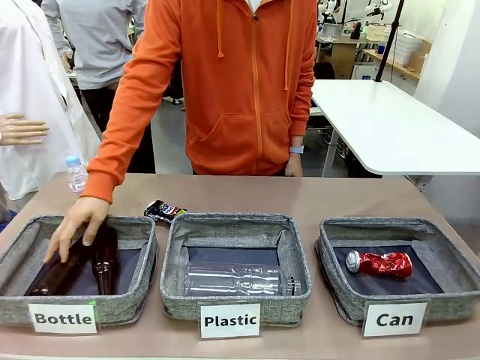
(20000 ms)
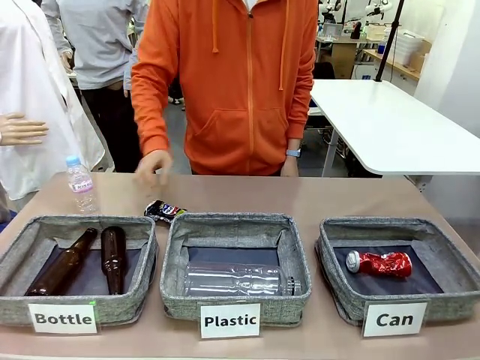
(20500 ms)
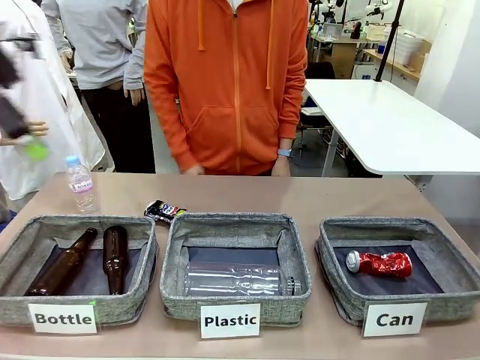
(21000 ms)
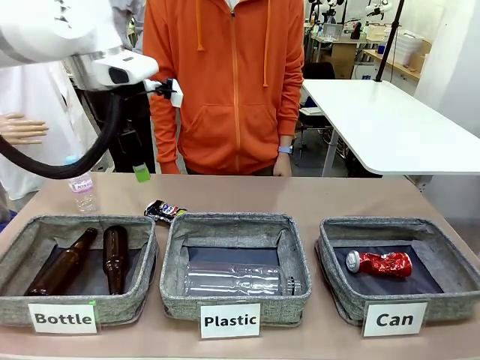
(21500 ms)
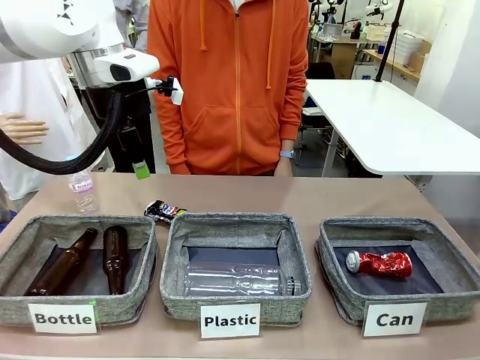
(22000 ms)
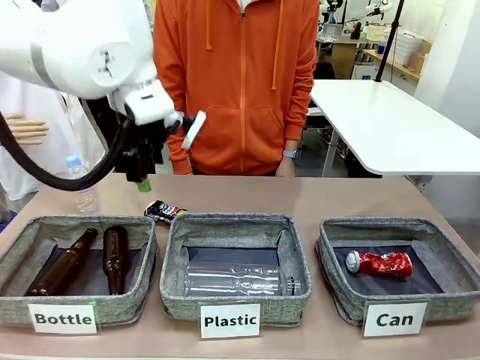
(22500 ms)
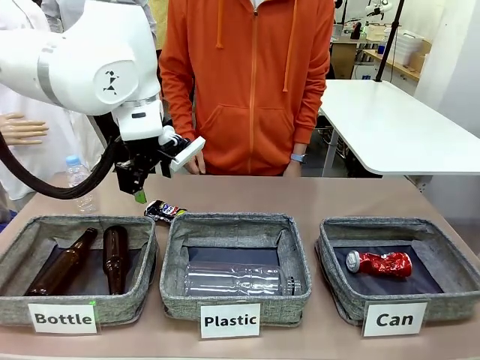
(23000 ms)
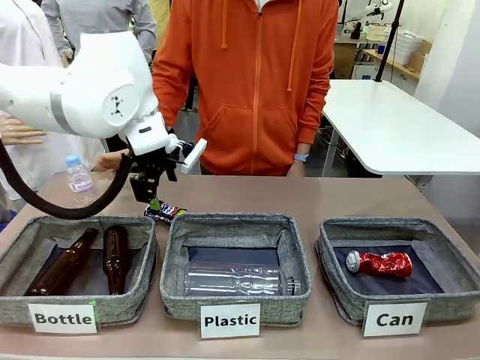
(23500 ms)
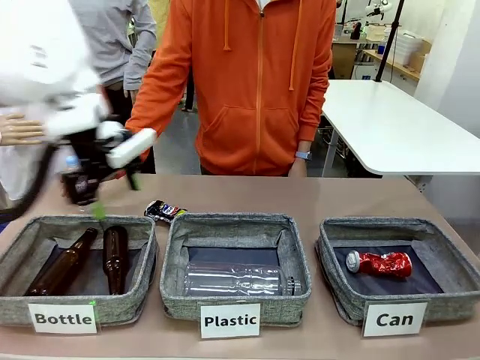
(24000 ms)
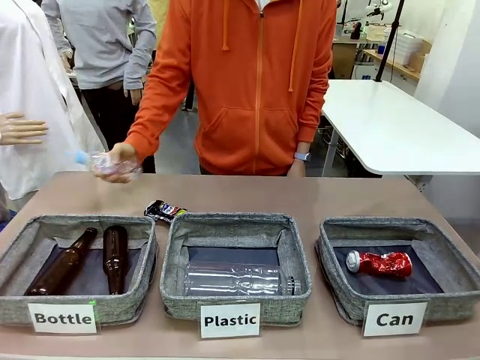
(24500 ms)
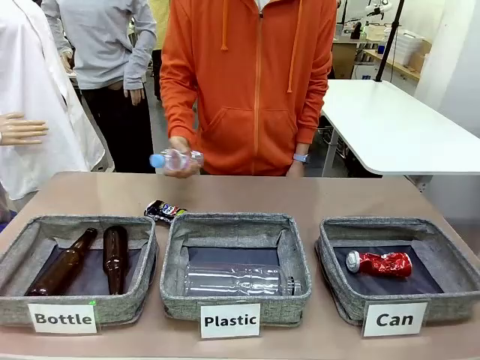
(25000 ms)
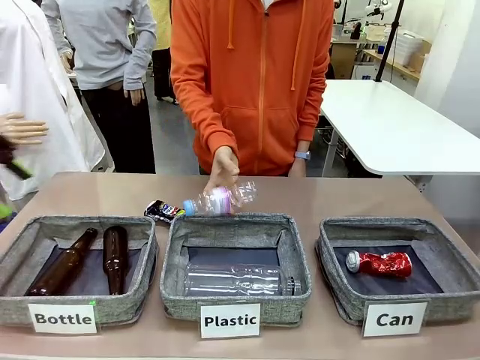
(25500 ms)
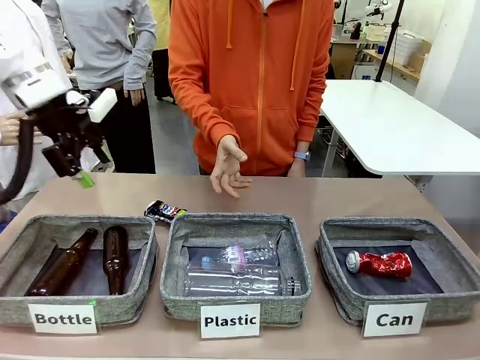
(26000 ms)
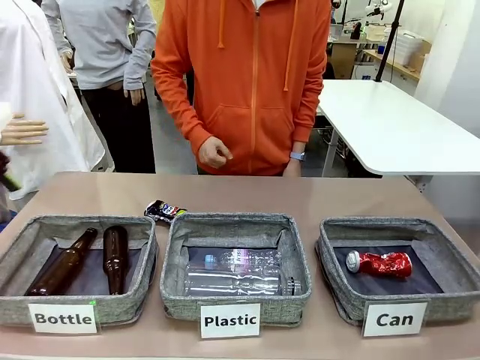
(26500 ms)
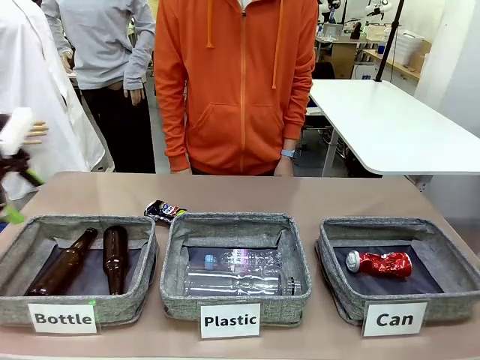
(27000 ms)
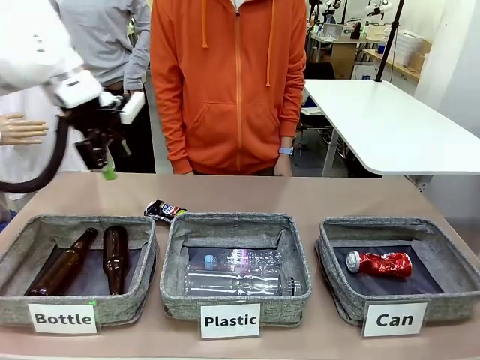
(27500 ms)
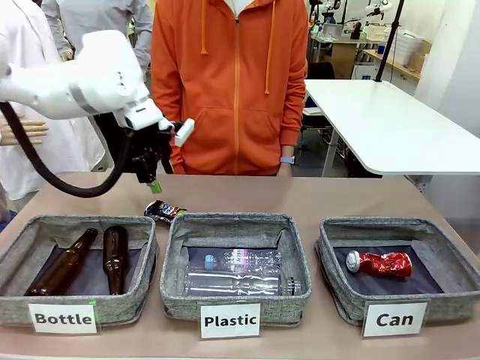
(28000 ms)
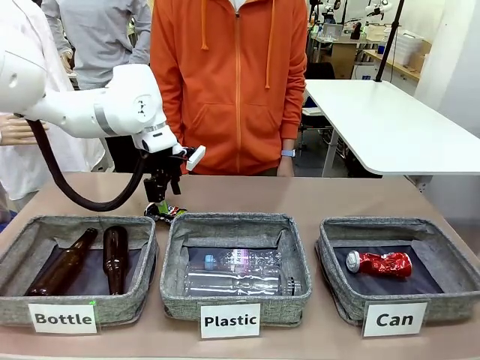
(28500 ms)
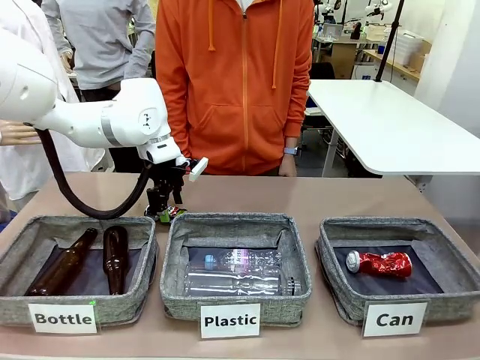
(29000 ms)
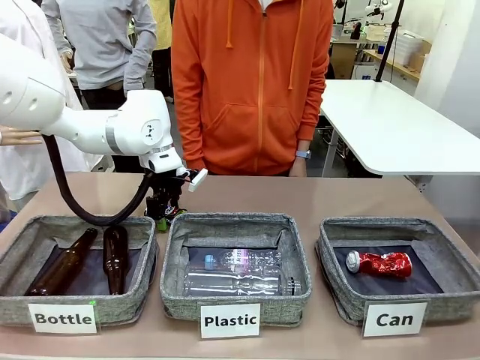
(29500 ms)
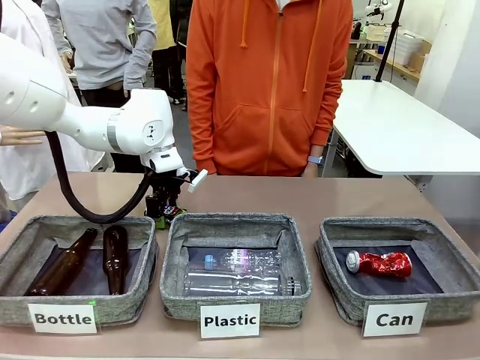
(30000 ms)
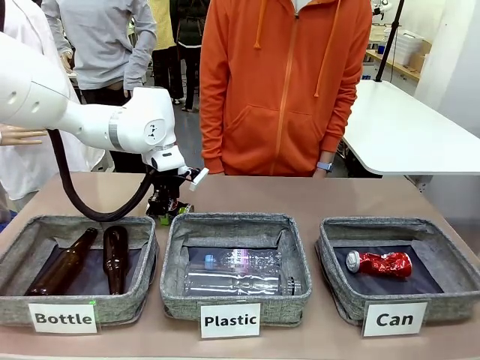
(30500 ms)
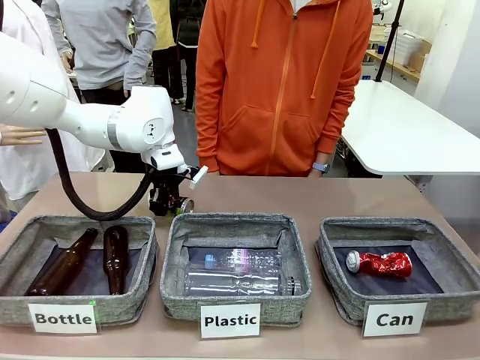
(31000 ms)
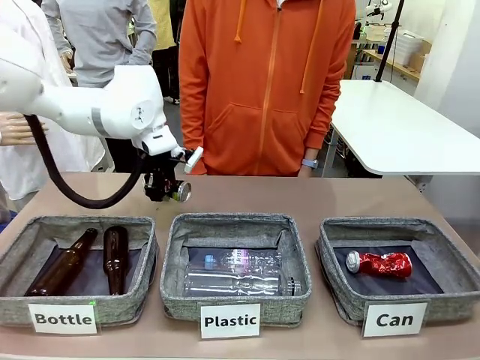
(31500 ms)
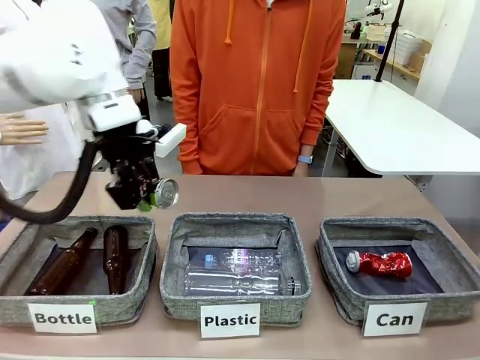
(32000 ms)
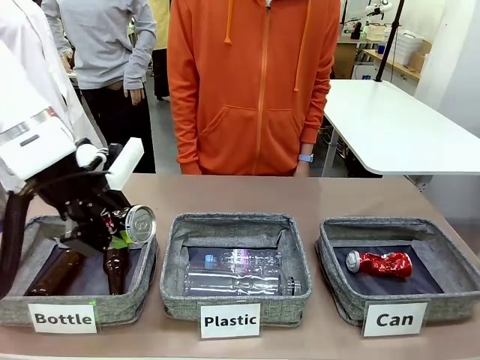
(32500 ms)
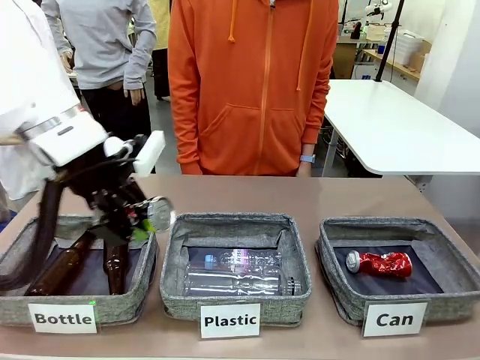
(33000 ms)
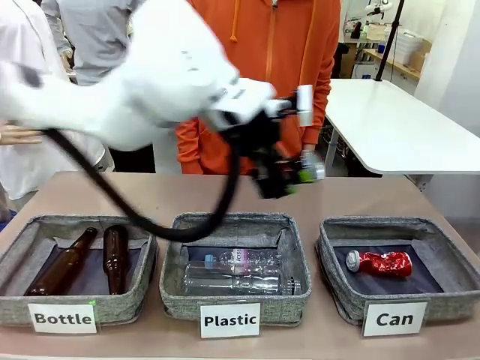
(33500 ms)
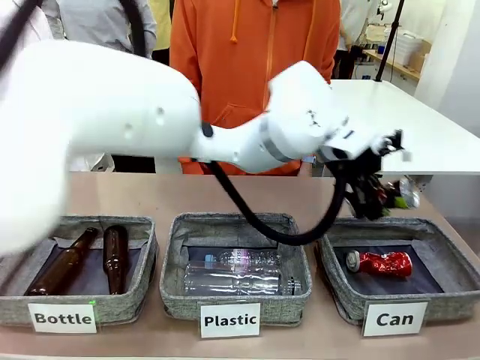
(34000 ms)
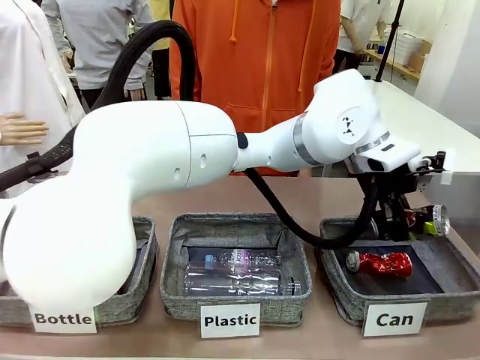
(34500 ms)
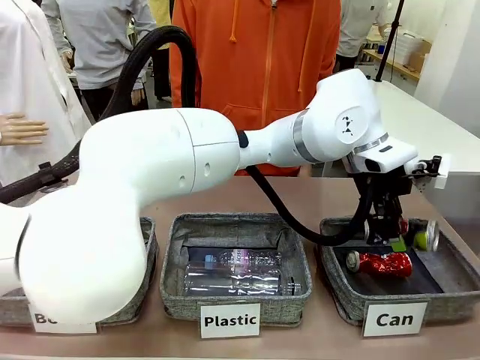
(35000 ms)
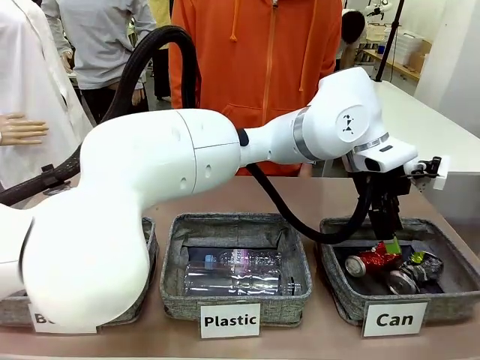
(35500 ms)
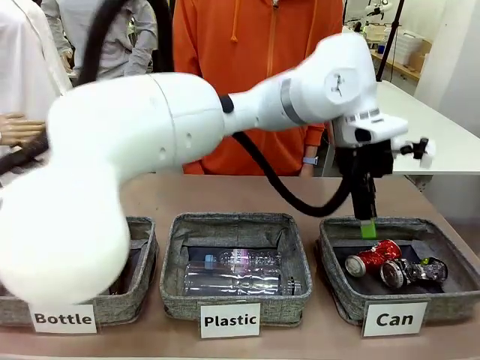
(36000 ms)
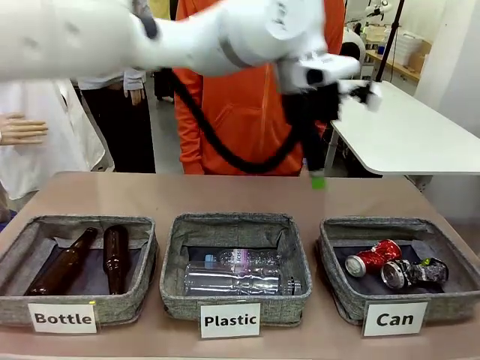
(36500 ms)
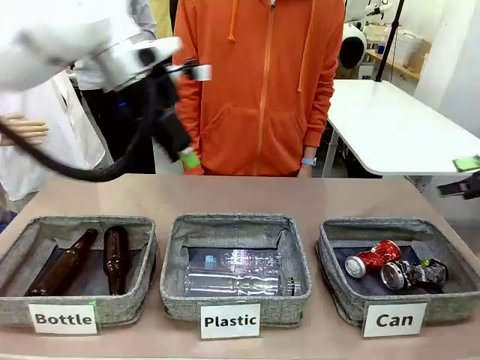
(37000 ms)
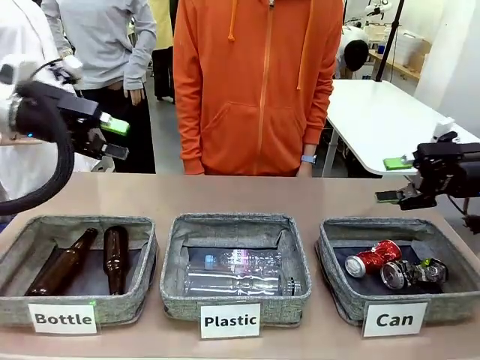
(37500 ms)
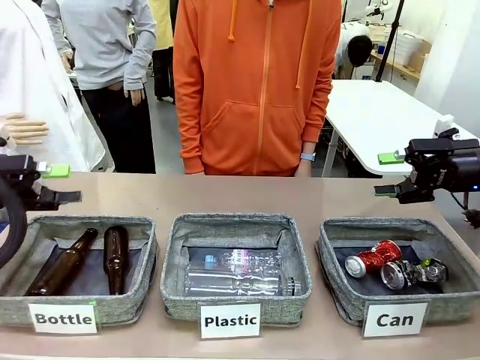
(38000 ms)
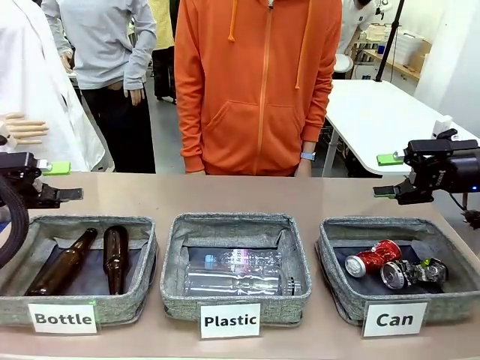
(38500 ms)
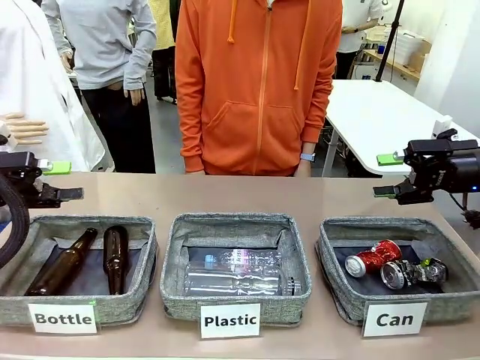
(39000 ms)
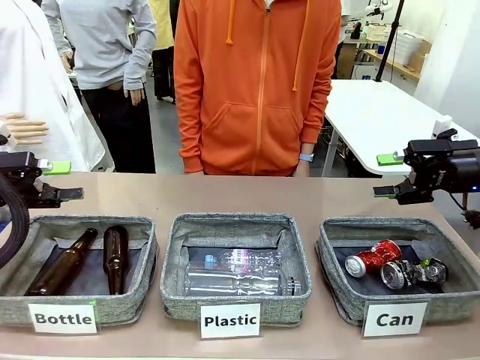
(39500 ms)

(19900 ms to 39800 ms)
Task: Sort the can waste into the basket.
Robot: Pick up the can waste from the table and place it in the right Fabric basket.
